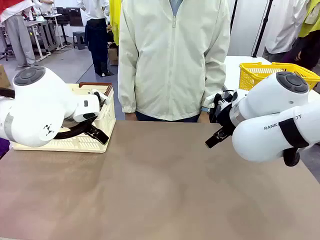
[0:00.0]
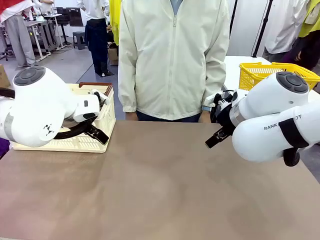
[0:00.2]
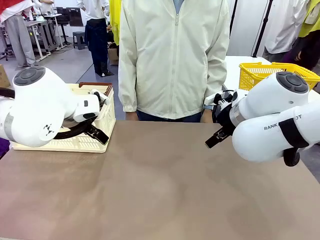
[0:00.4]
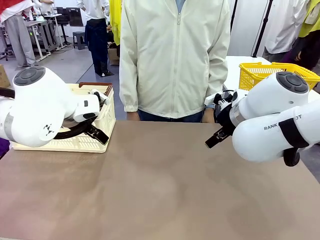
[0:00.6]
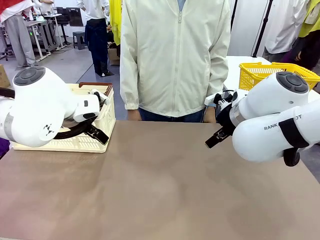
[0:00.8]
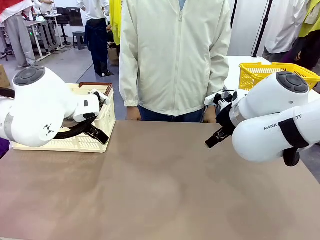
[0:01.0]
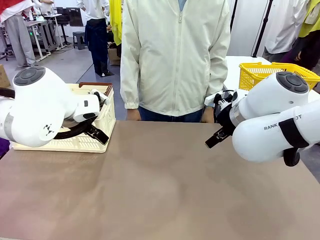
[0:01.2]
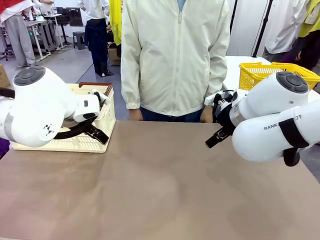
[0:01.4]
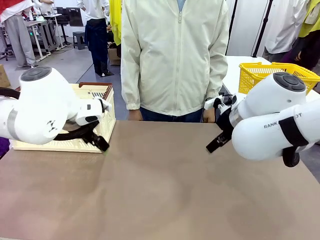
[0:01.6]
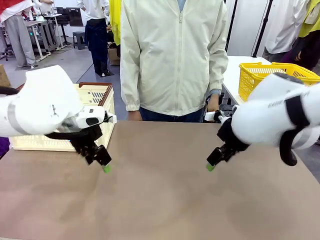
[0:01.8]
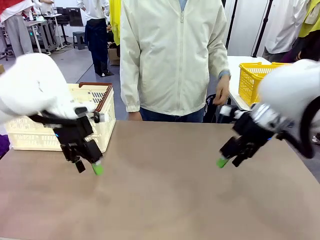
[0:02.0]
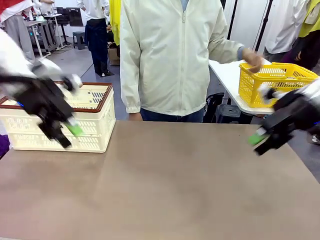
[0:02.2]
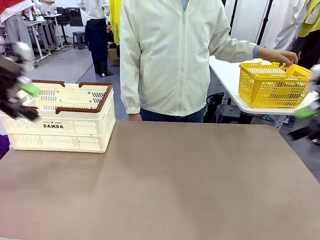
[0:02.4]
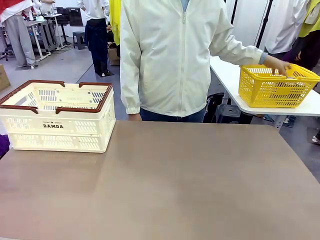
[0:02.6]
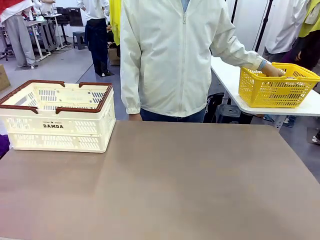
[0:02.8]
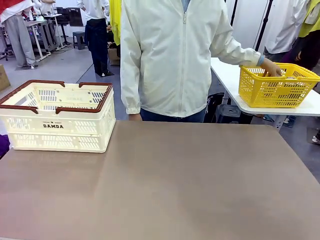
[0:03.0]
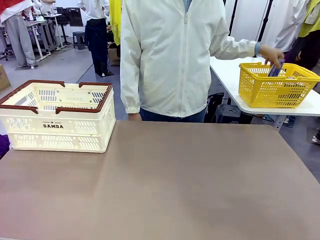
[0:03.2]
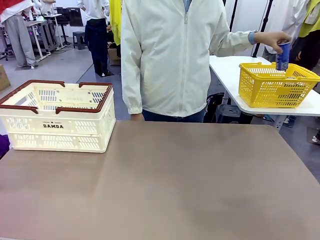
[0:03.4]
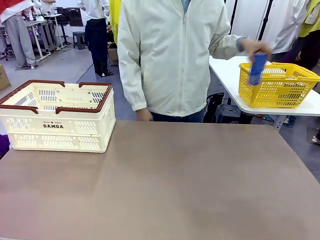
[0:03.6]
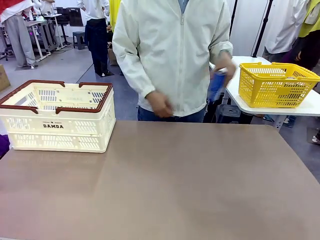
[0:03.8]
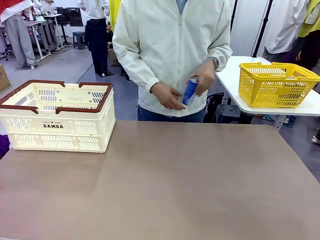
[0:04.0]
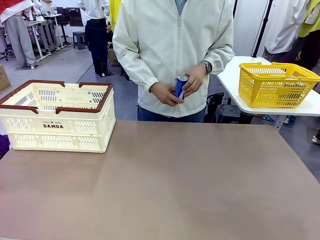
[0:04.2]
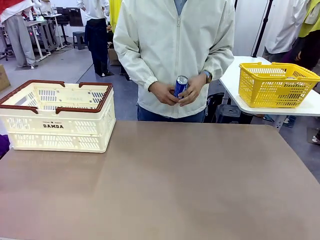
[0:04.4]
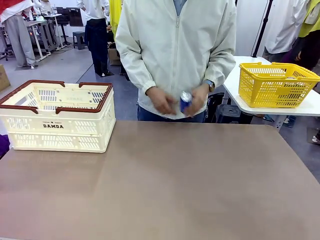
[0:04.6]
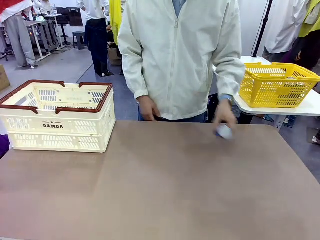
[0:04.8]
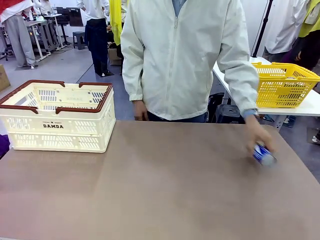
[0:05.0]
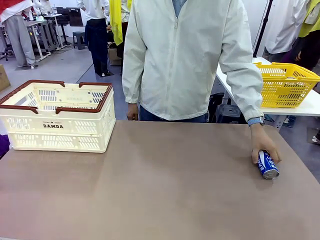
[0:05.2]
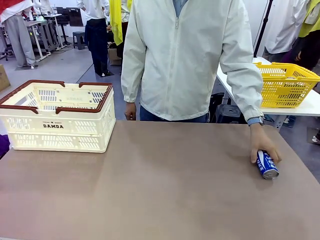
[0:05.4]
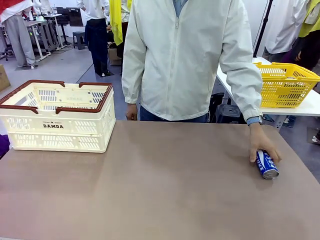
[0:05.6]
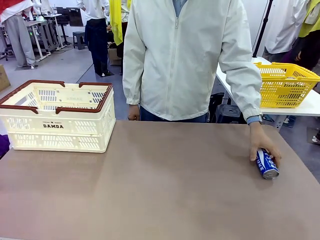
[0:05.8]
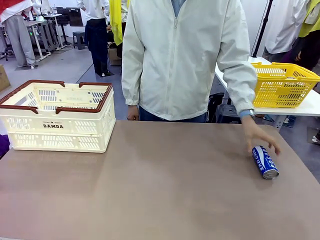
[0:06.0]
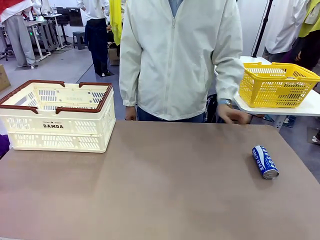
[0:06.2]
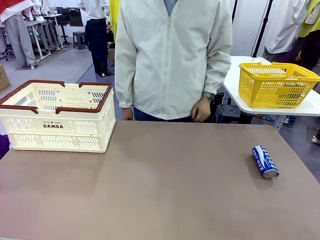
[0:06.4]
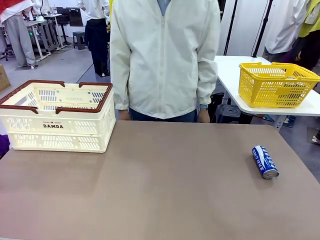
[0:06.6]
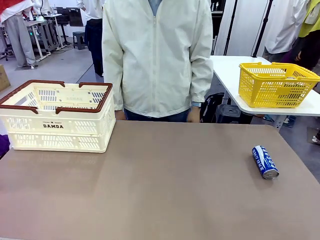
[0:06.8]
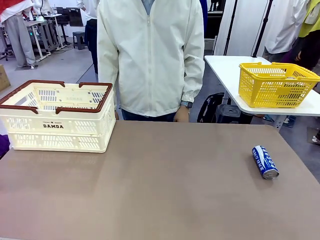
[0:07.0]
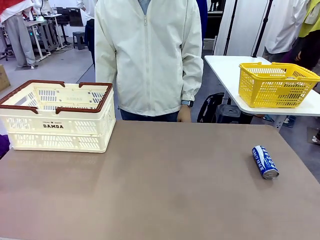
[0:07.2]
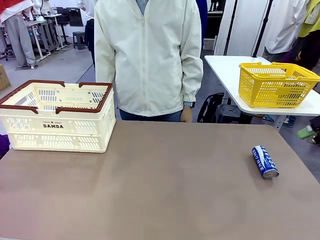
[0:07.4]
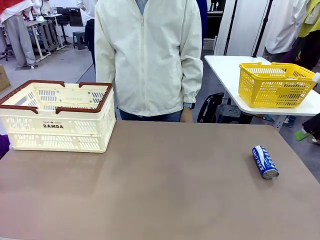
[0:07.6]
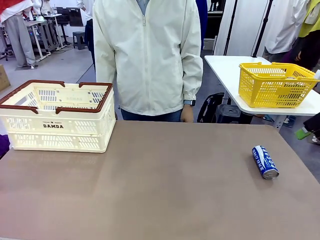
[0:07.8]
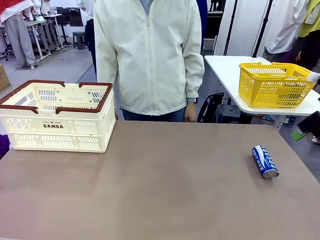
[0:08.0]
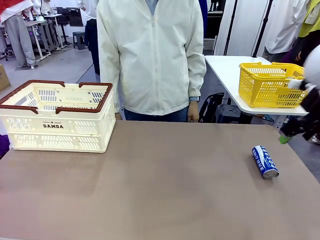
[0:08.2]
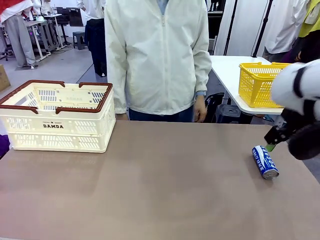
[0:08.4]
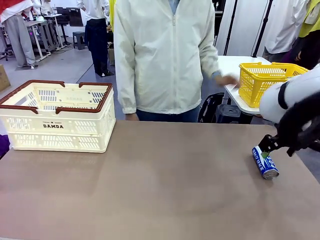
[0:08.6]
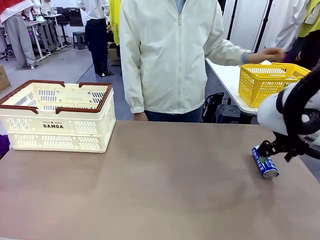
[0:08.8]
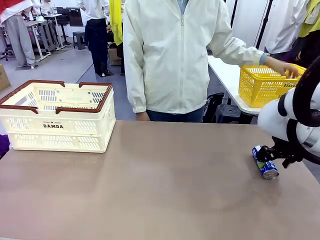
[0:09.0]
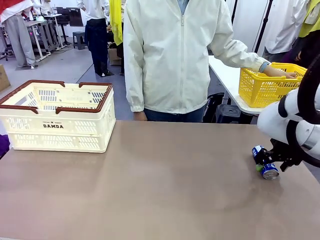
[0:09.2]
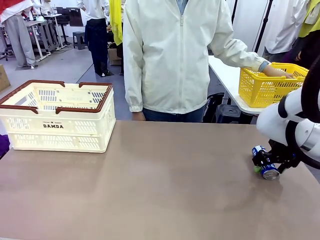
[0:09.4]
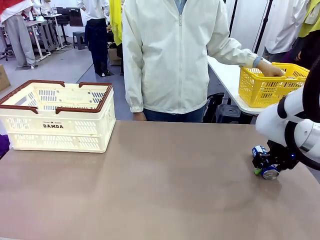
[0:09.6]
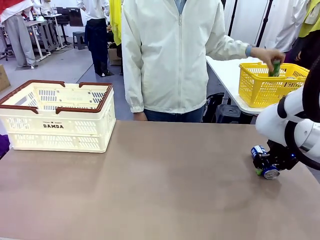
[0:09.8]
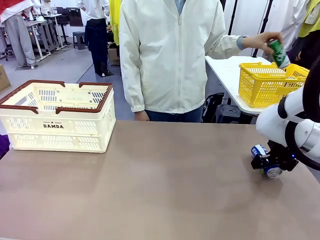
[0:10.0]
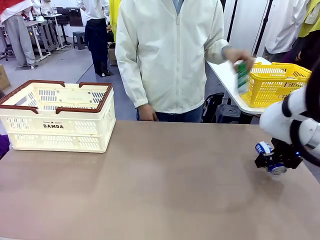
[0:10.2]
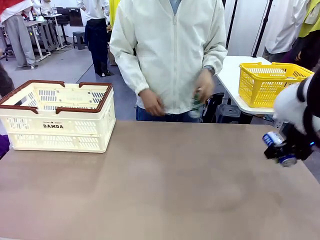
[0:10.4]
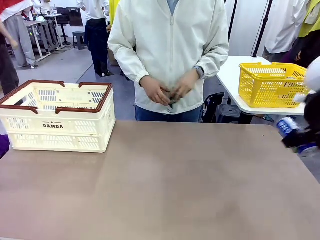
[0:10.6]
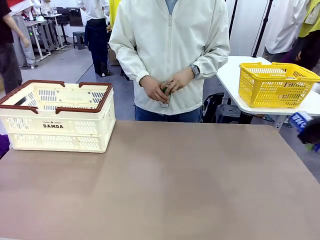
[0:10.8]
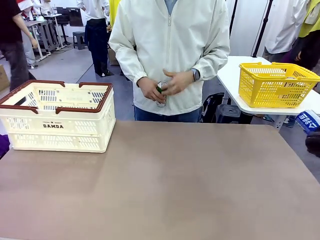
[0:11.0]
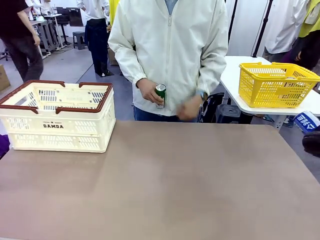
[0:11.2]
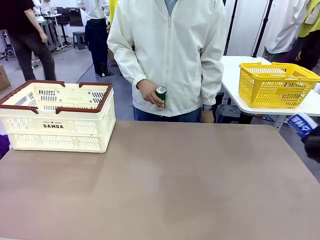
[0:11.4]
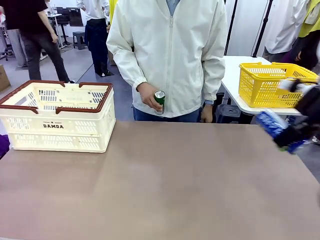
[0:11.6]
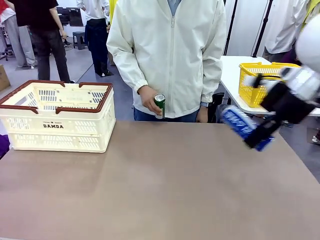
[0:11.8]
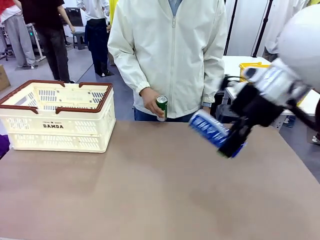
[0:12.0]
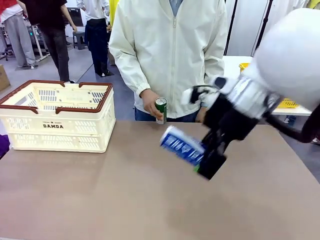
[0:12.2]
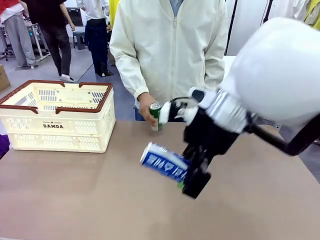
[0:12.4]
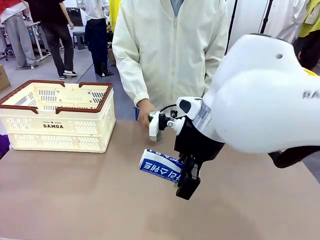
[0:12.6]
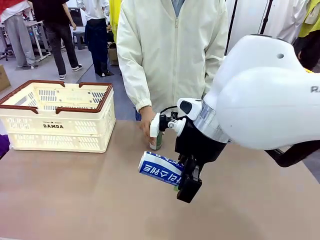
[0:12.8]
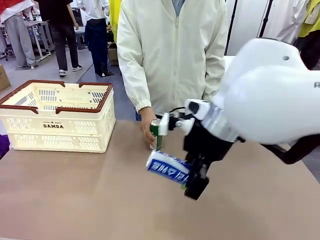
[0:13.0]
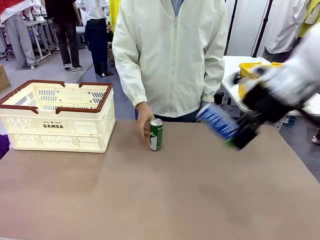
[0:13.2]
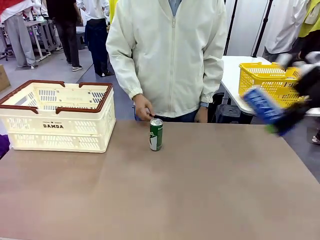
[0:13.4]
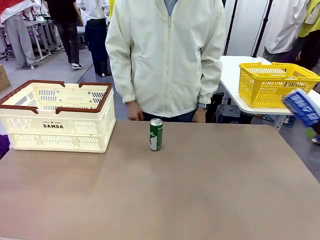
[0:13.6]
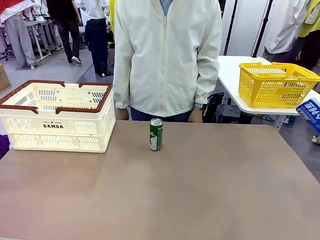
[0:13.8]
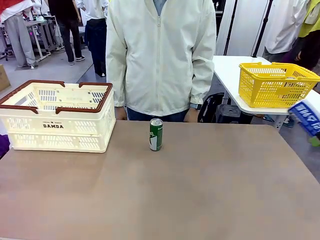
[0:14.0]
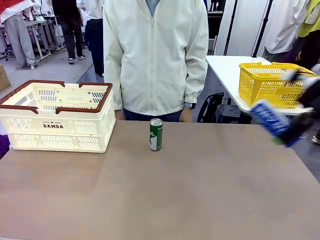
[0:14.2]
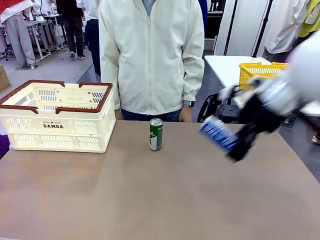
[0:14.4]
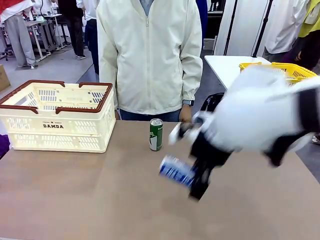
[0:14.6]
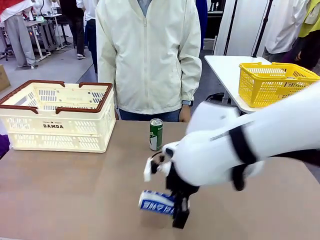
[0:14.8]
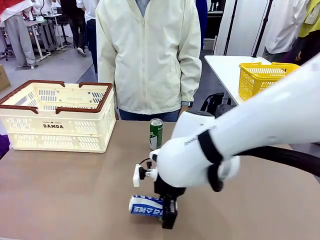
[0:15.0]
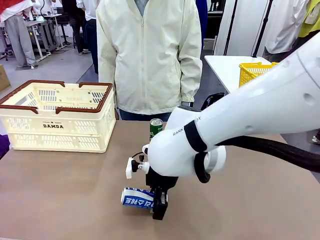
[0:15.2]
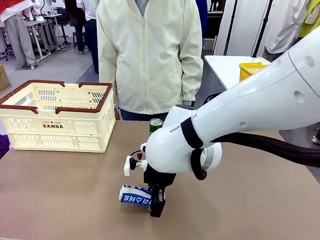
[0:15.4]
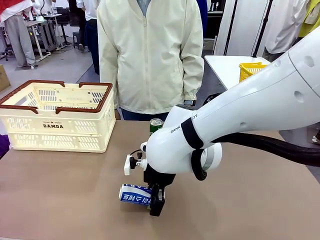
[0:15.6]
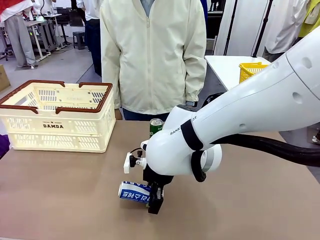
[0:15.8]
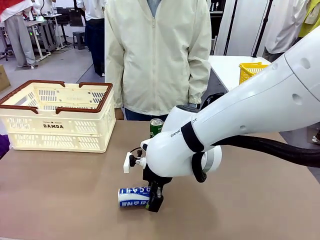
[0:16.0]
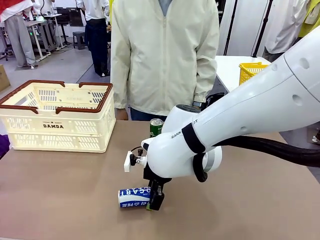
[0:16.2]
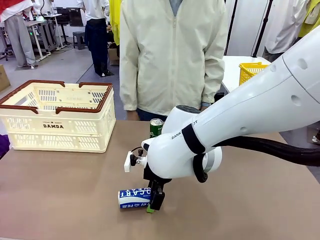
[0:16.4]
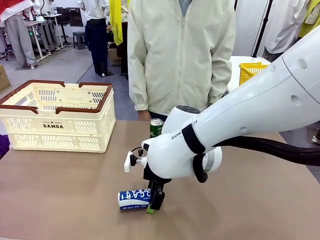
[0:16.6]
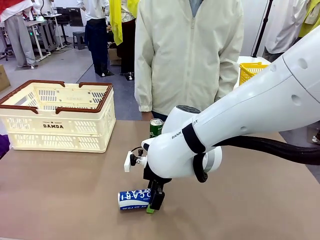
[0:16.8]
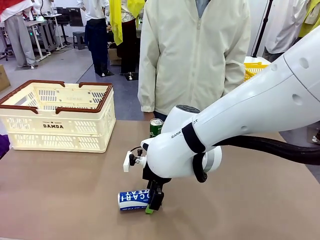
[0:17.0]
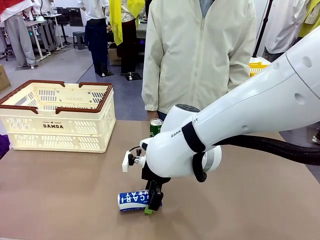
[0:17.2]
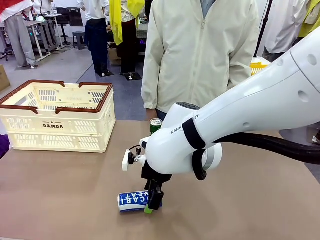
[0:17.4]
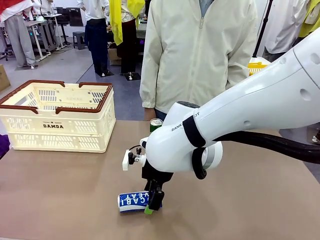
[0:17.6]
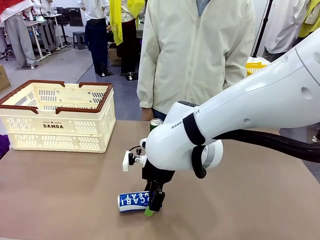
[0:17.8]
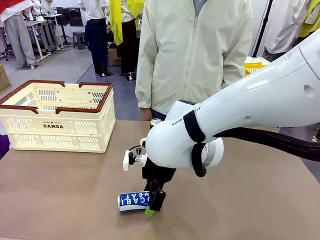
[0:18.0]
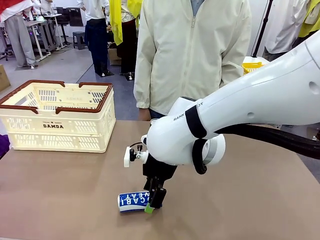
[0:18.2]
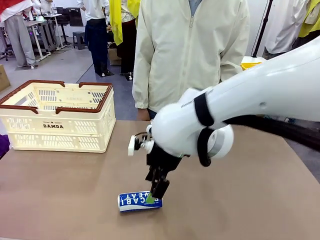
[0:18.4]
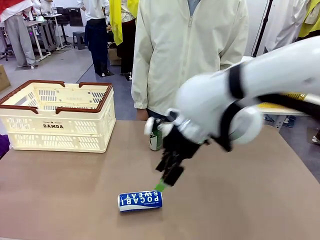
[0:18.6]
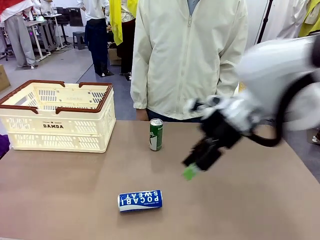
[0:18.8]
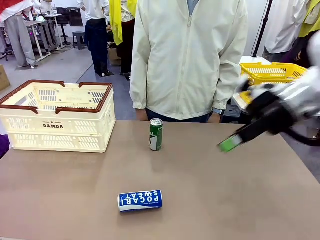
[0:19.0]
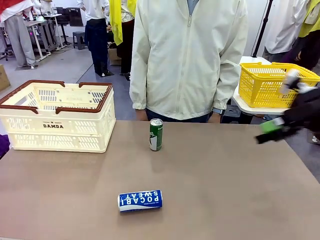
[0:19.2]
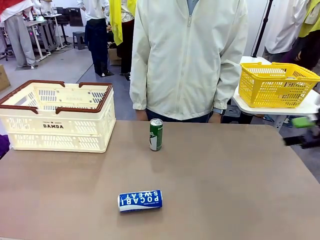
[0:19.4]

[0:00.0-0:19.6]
Task: Place the drinks into the Shopping basket.
Robot: Pick up one drink and place it into the Shopping basket.
